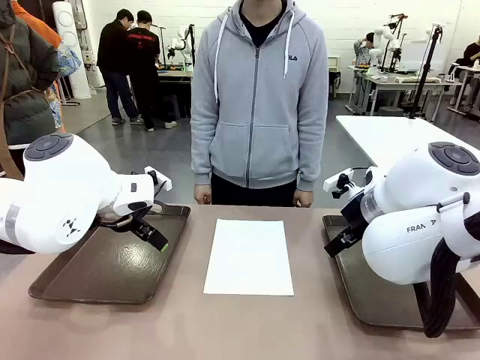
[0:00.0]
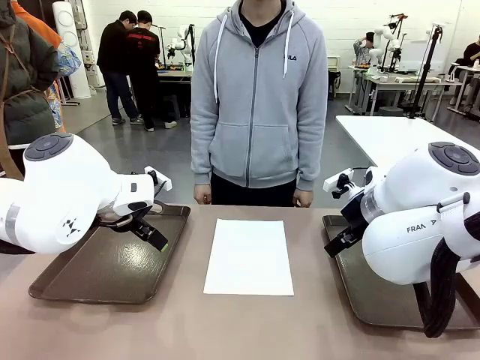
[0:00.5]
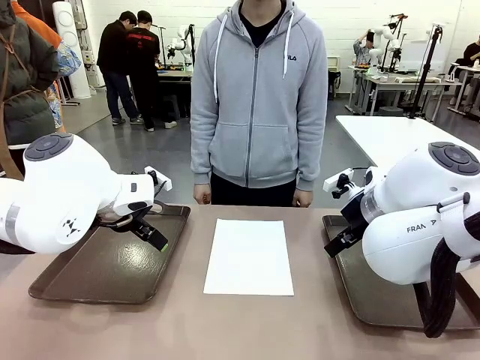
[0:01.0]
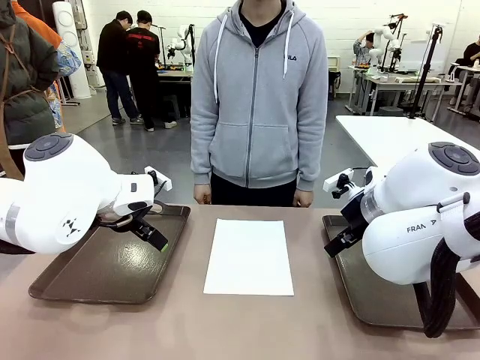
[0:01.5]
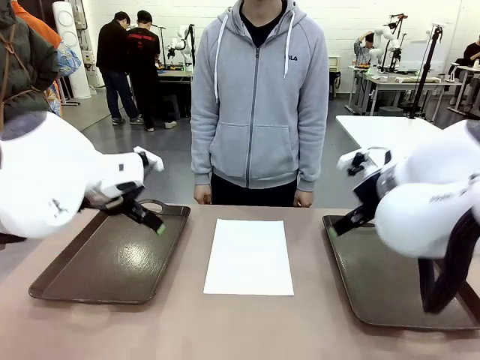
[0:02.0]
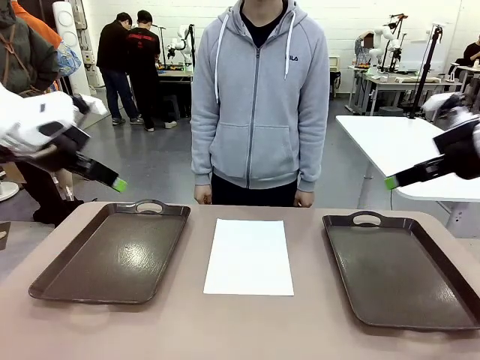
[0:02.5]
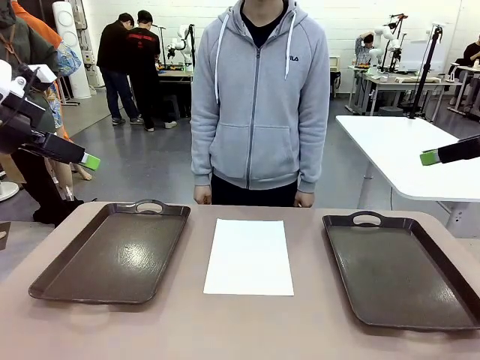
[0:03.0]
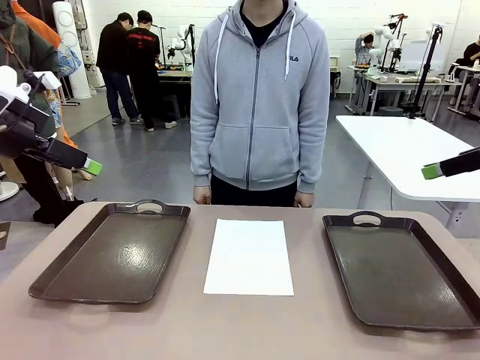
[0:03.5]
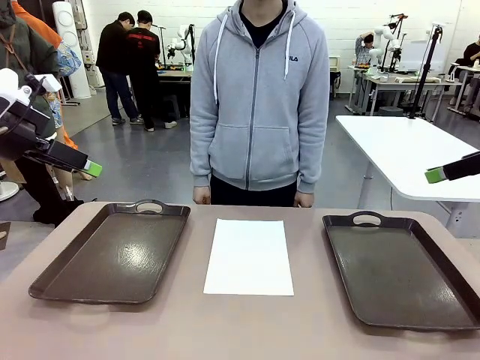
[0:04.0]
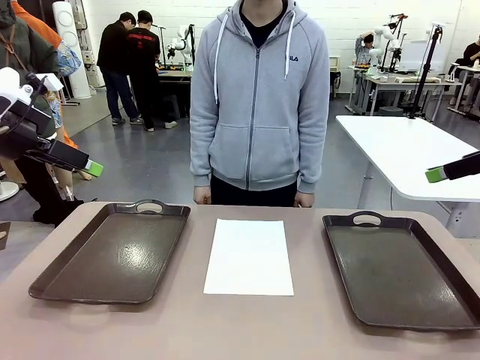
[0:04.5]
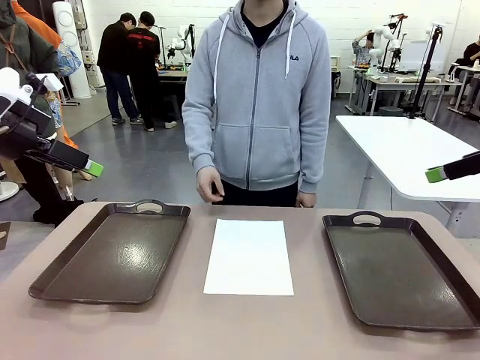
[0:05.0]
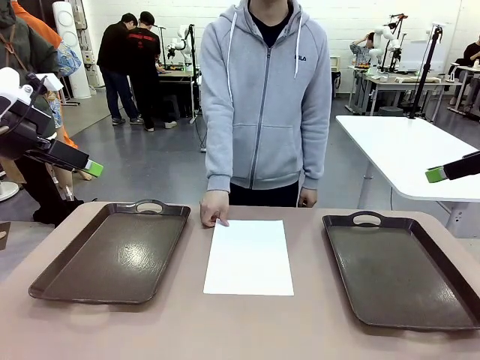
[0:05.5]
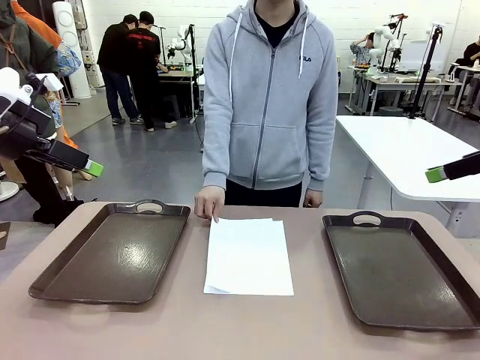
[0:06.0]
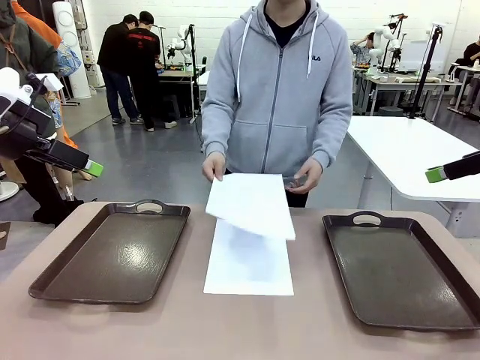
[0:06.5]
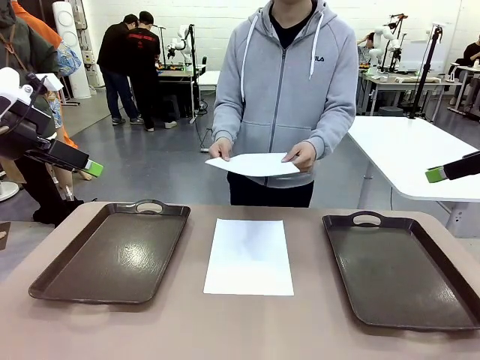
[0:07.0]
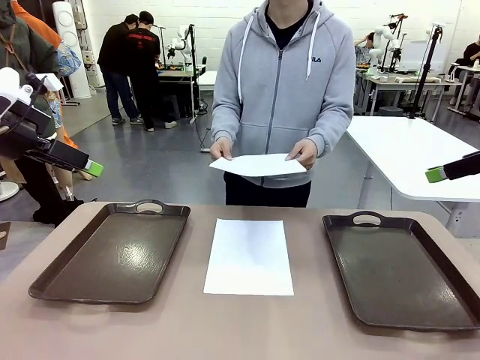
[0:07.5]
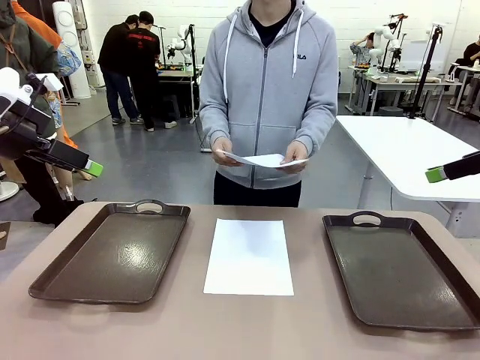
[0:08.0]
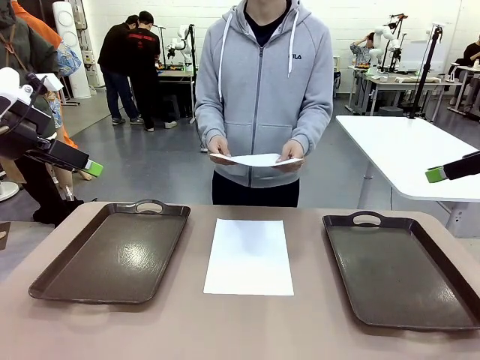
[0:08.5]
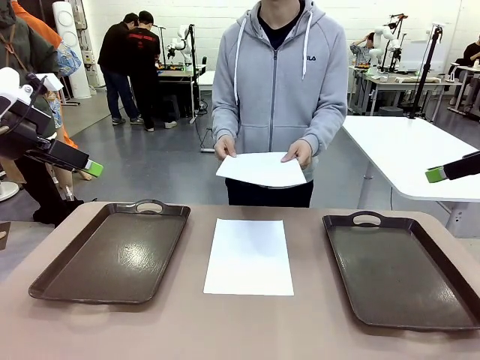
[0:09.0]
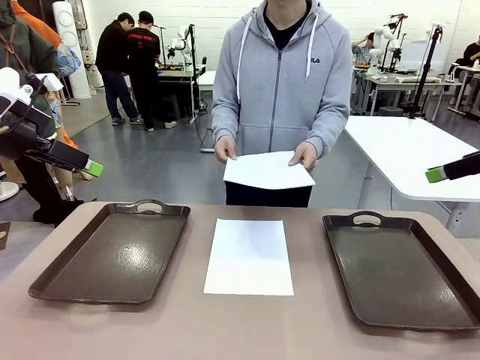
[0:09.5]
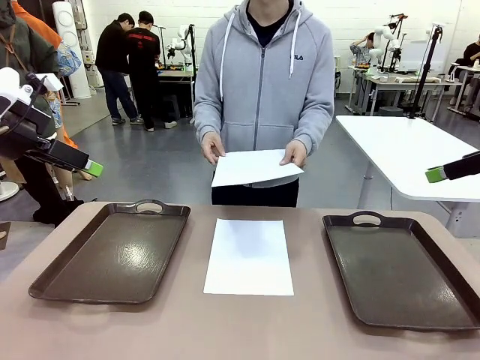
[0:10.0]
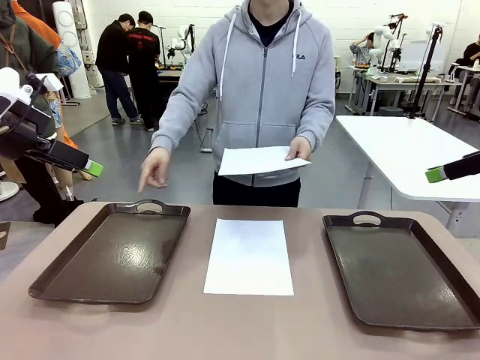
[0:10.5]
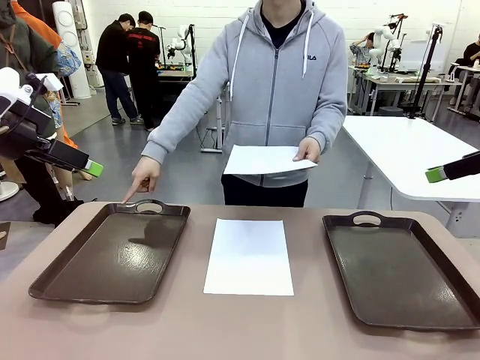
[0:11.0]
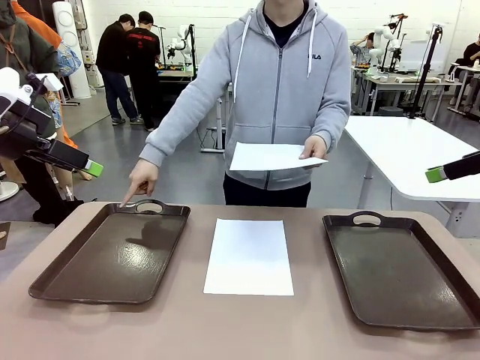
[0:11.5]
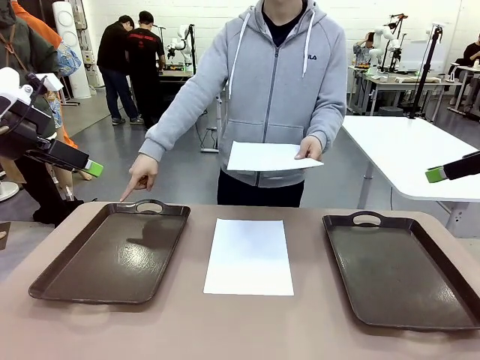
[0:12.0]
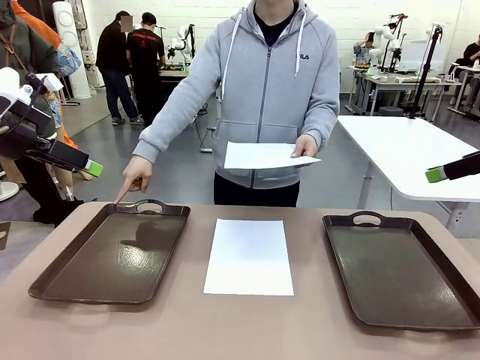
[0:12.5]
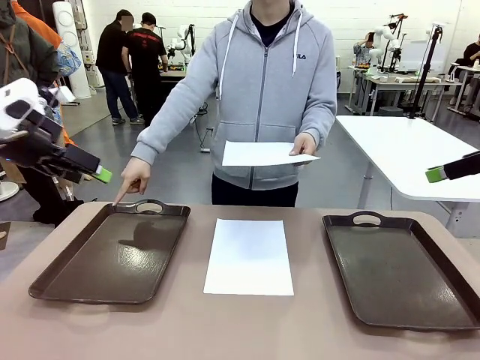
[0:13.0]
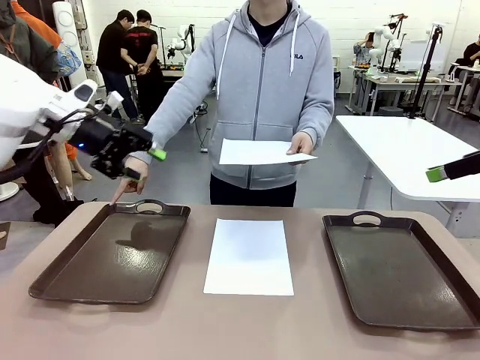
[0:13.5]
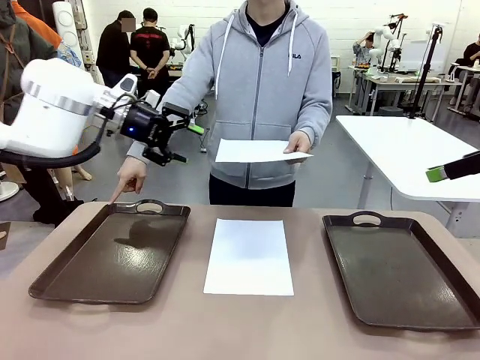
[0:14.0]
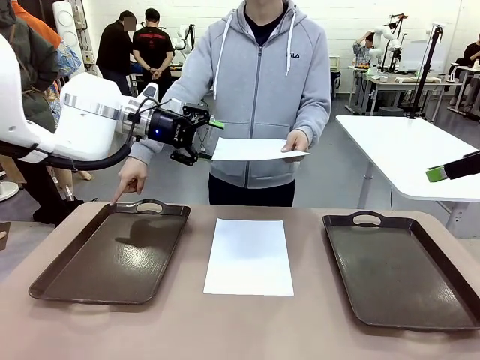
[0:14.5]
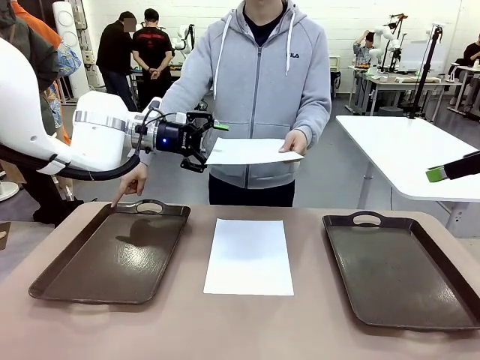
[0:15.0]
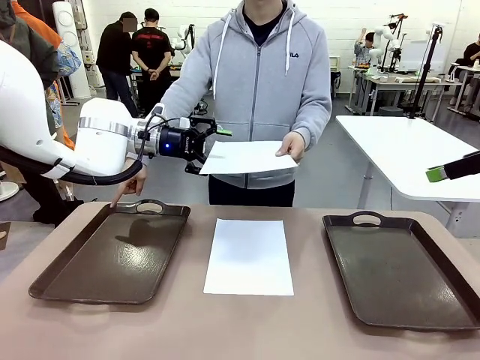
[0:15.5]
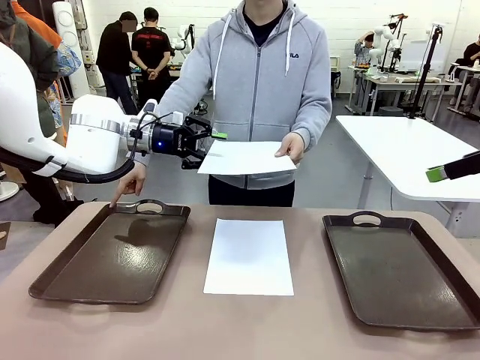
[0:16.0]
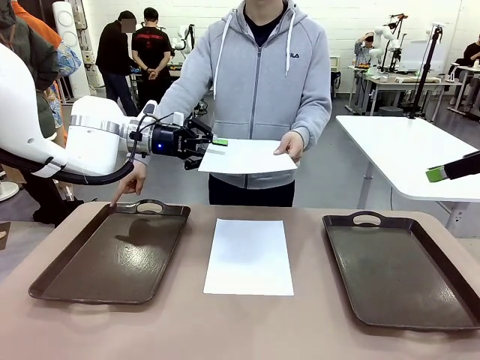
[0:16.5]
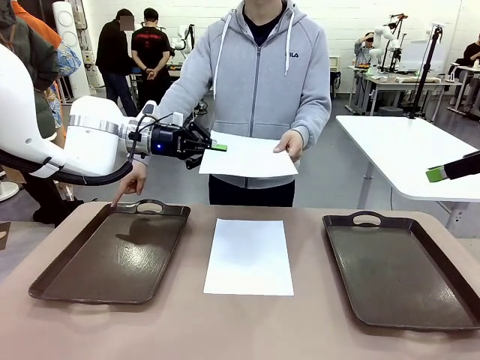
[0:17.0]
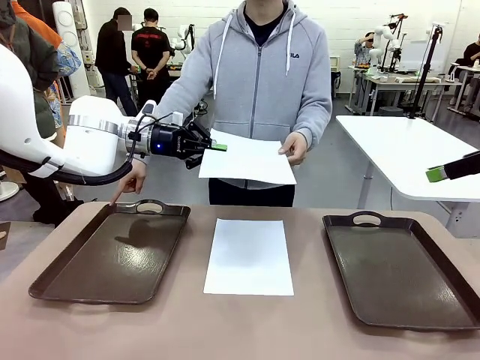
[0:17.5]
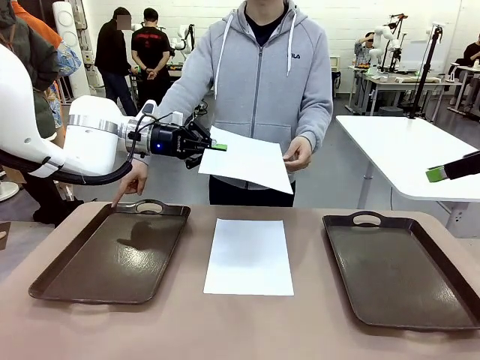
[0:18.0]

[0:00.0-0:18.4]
Task: Sort the A4 documents.
Robot: Receive the A4 Paper.
Person: Pick up a sheet of paper from the center of the table and hand it to the robot. Point the randomly selected tray with the other hand.

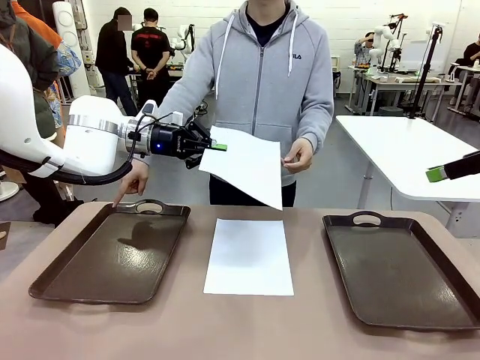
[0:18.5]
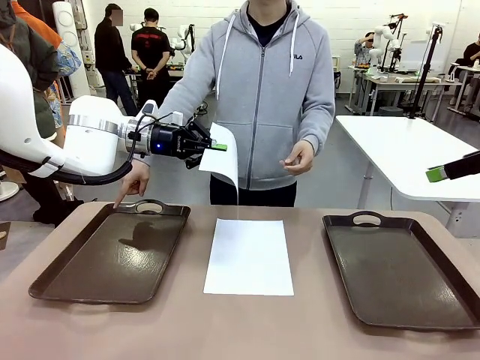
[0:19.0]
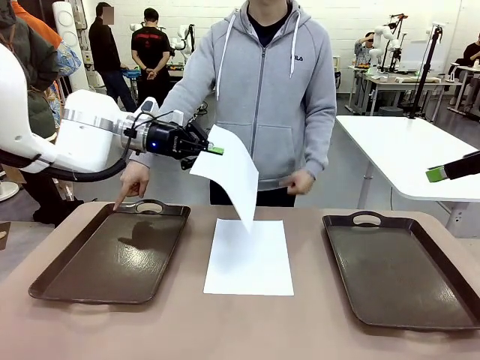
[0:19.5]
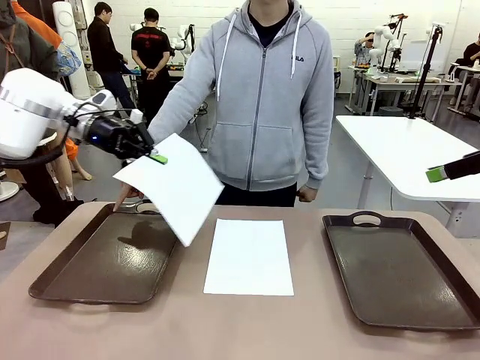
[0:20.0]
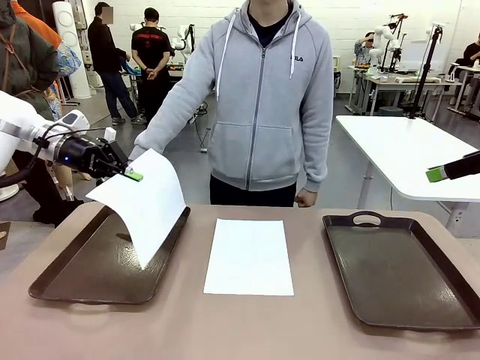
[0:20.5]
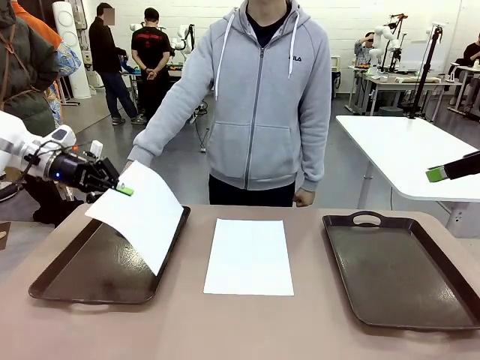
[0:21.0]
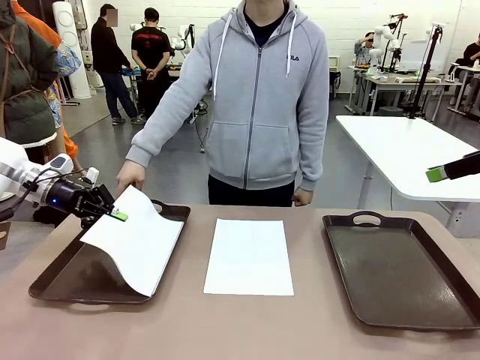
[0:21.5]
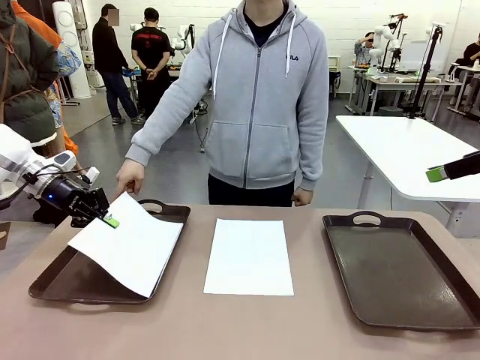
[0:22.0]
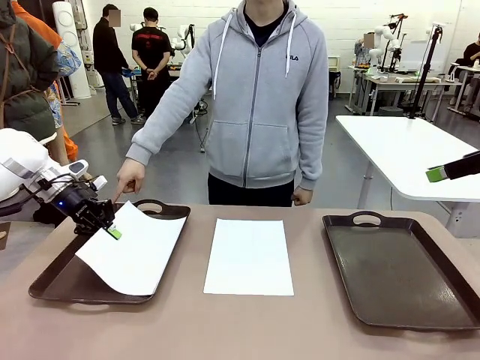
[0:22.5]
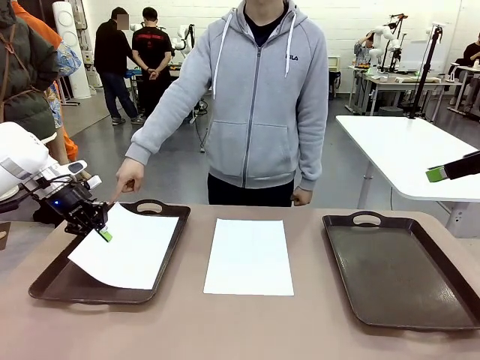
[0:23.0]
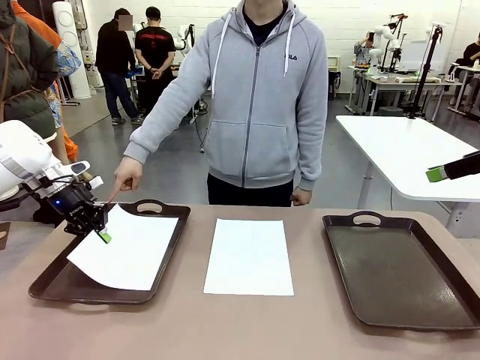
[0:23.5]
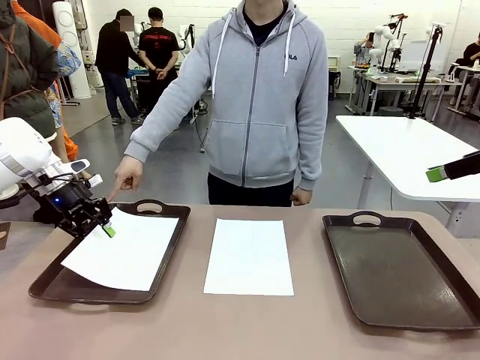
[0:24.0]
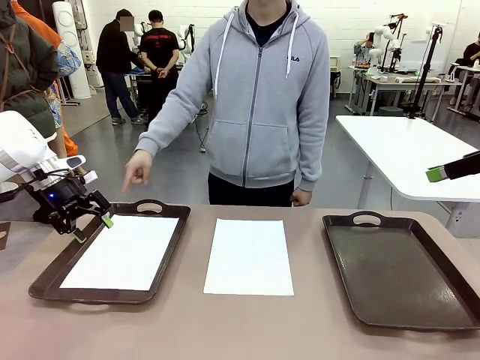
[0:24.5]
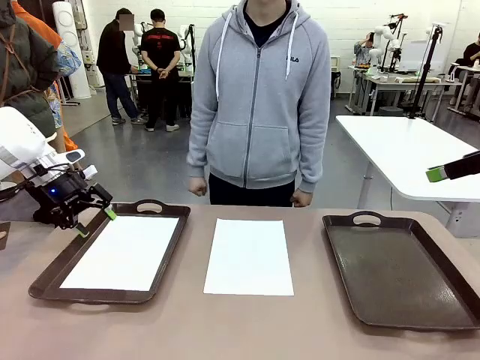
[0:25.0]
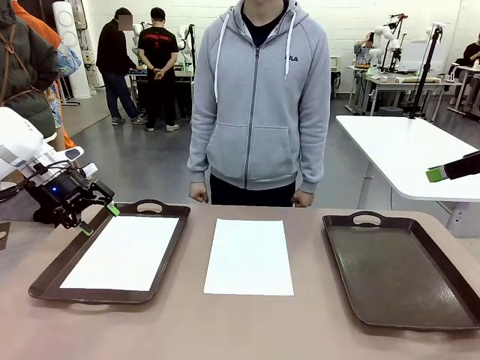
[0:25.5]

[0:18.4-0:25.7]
Robot: Place the A4 Paper in the designated Handle tray.
